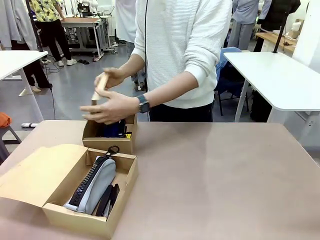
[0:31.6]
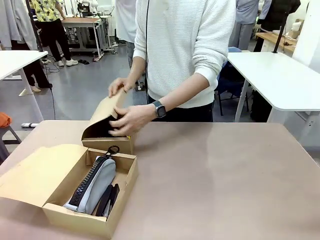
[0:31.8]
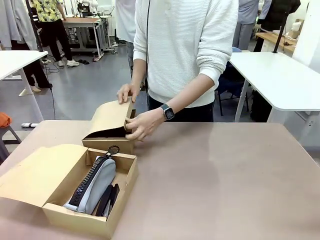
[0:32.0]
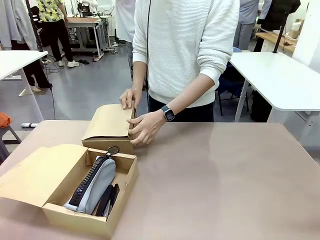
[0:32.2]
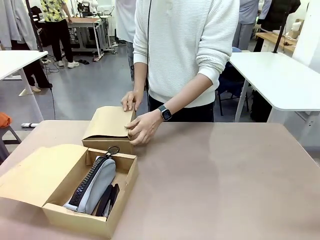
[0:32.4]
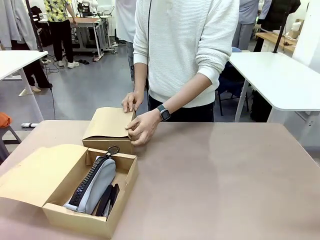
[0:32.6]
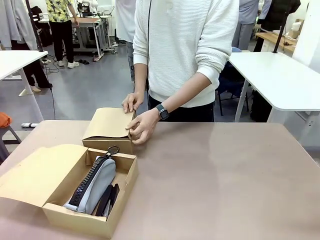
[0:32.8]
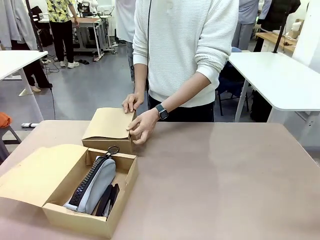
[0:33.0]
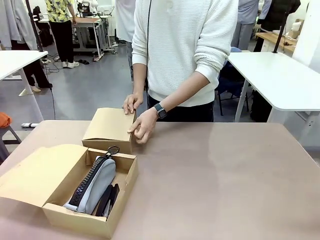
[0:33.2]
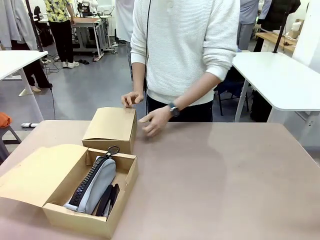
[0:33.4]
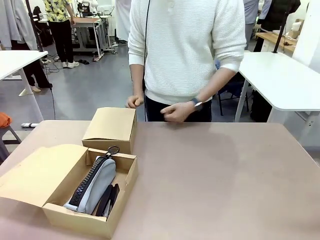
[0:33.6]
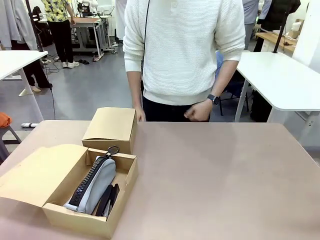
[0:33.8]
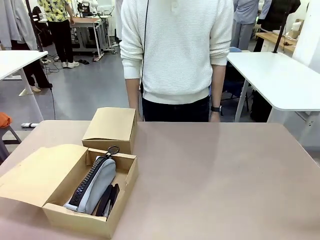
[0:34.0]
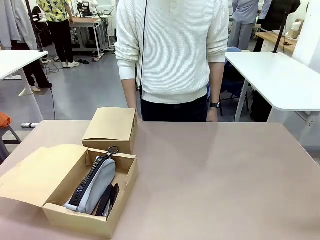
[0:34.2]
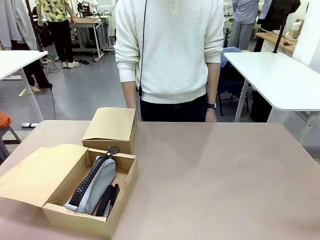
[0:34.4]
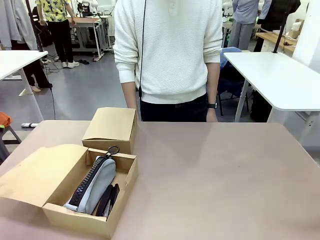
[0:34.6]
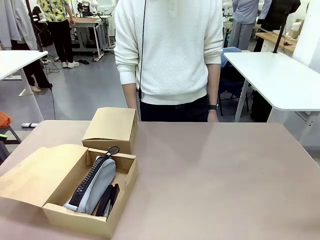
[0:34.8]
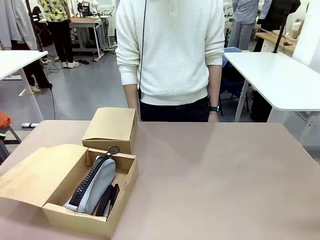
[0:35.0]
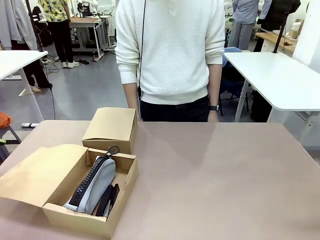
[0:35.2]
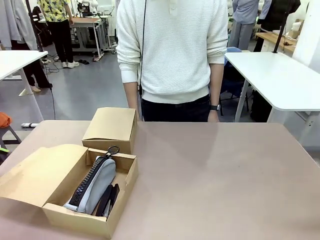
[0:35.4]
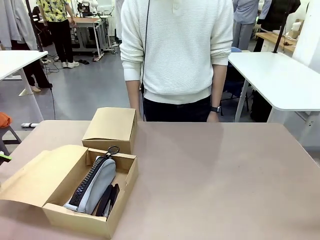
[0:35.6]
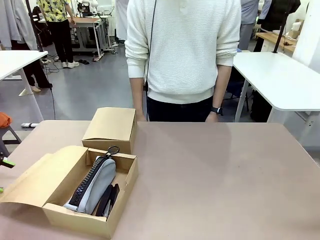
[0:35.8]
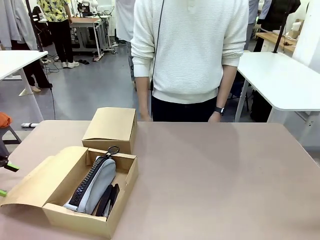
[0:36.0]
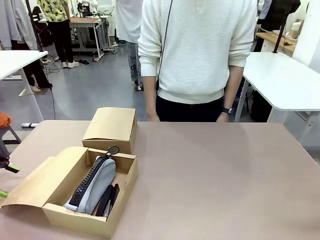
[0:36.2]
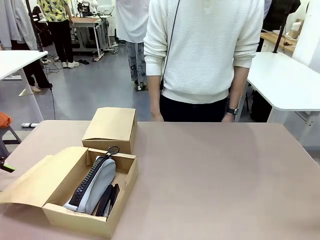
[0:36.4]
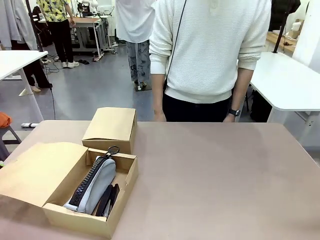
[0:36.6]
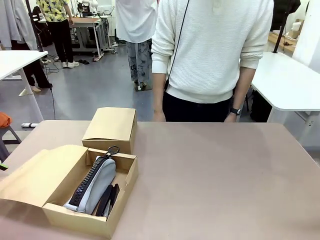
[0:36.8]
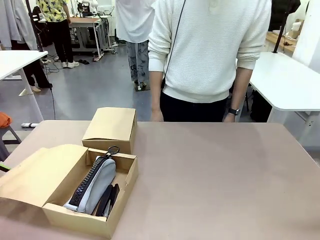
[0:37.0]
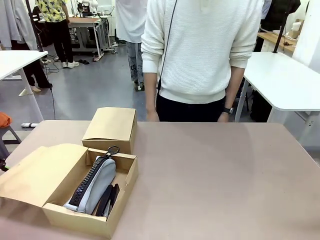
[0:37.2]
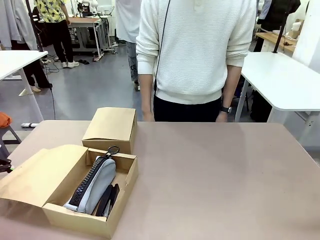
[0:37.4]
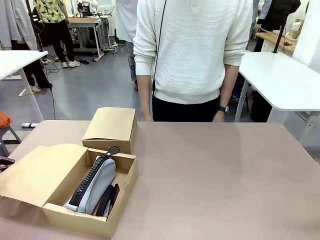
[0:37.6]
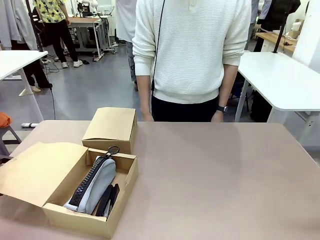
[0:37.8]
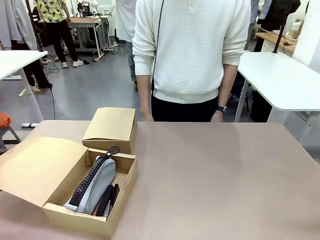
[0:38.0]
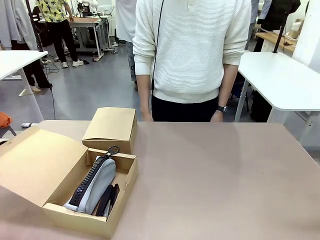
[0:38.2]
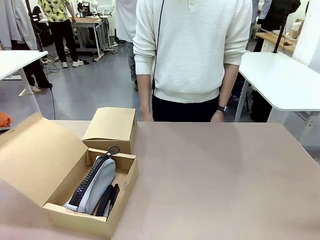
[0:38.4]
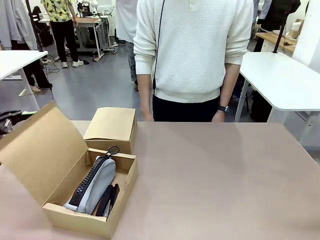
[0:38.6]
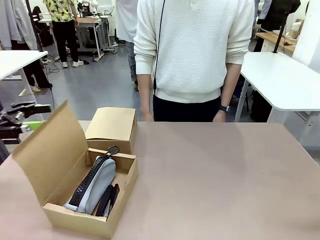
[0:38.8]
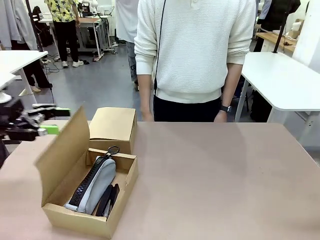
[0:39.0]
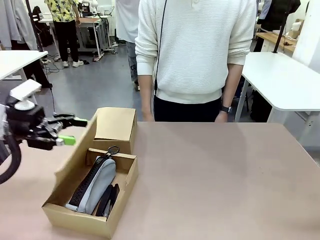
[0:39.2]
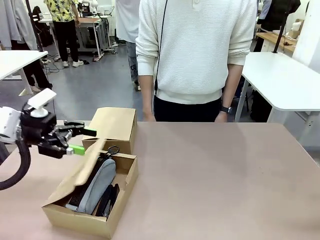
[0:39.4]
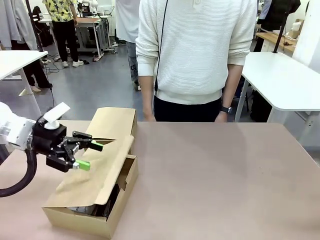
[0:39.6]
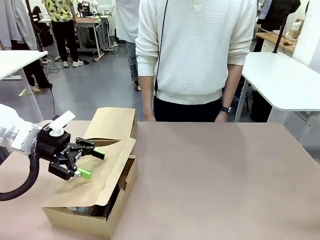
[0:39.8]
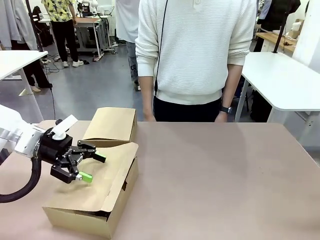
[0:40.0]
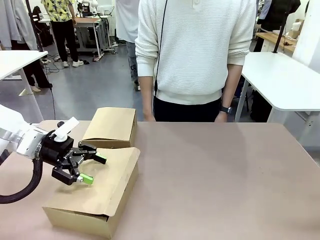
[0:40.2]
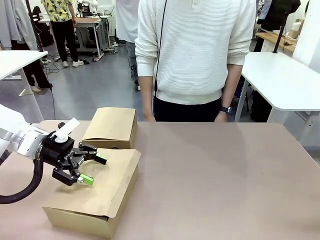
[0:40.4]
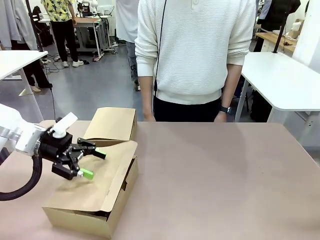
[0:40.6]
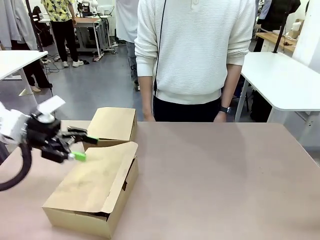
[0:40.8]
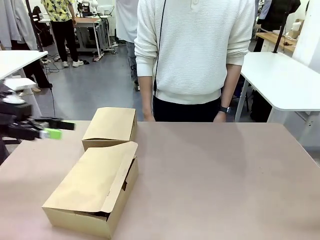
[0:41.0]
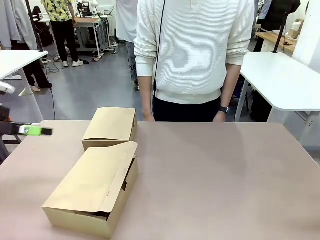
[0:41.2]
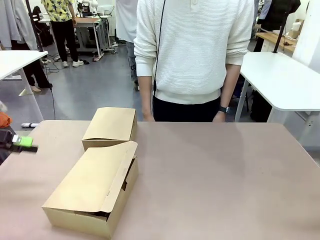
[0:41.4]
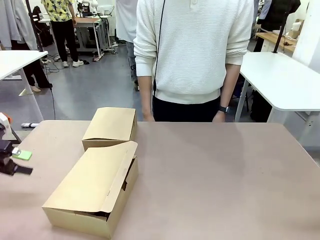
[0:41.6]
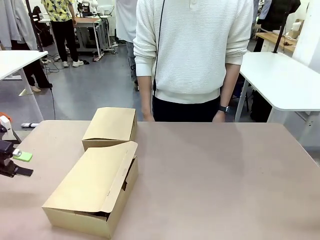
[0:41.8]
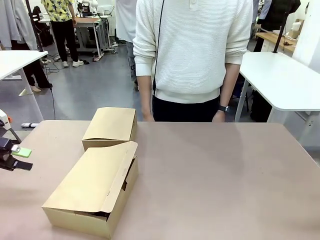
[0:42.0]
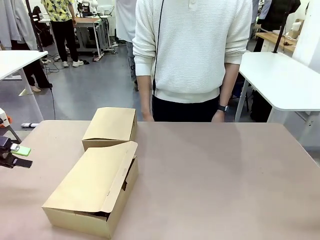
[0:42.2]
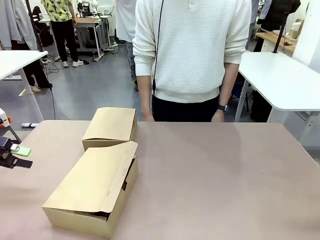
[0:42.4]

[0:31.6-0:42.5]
Task: Place items inside the box.
Robot: Close the lid of the Mailer Box closest to the robot.
Person: Close the lid of the box facing the person.

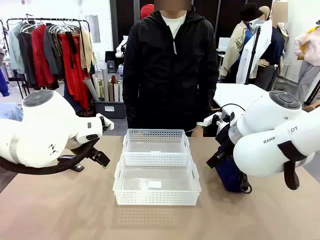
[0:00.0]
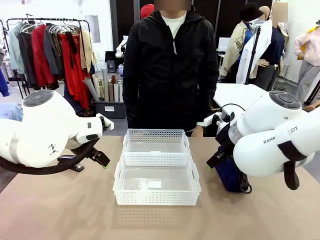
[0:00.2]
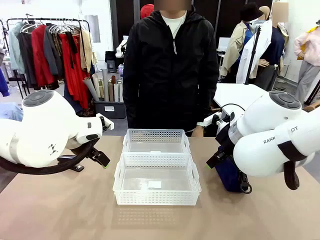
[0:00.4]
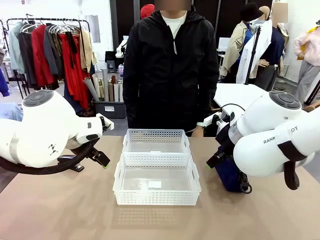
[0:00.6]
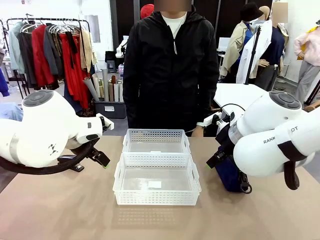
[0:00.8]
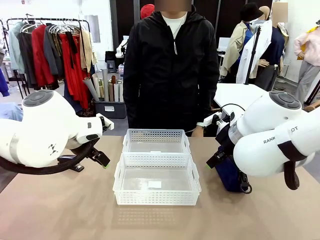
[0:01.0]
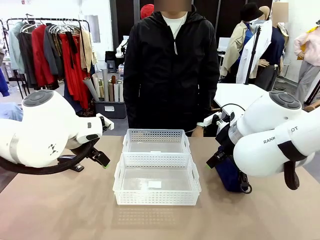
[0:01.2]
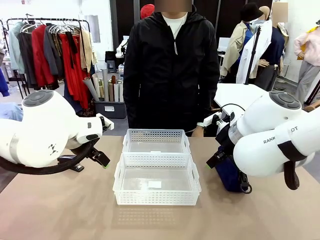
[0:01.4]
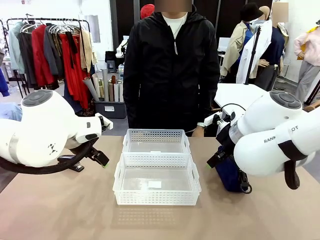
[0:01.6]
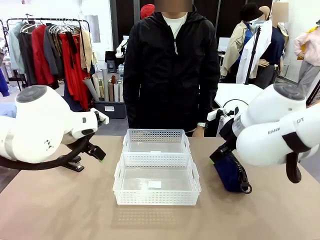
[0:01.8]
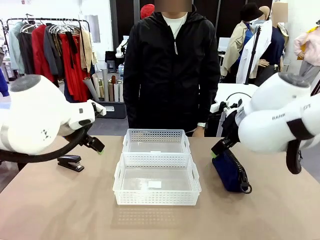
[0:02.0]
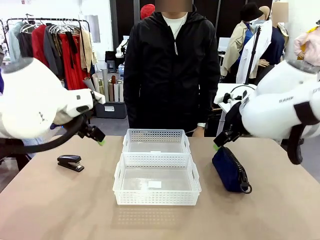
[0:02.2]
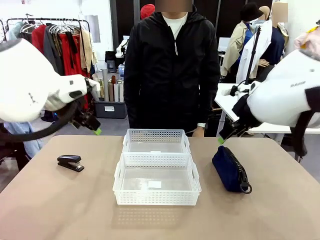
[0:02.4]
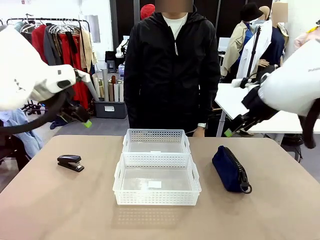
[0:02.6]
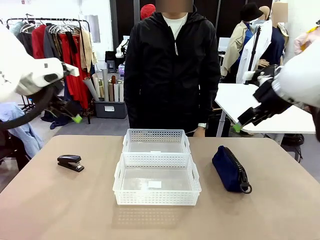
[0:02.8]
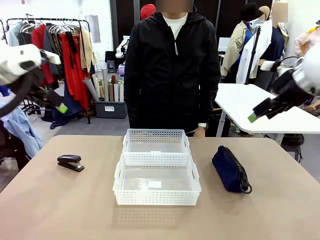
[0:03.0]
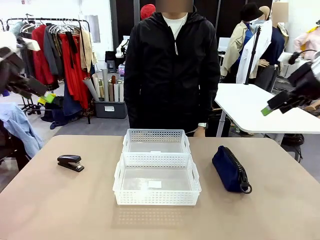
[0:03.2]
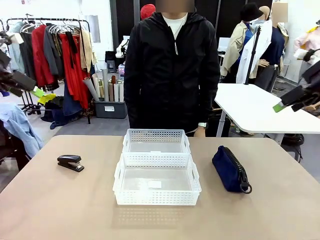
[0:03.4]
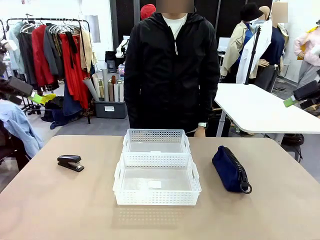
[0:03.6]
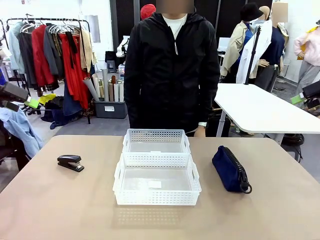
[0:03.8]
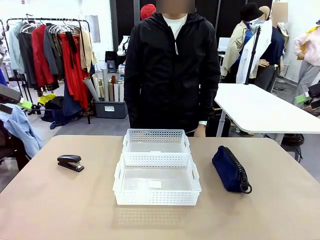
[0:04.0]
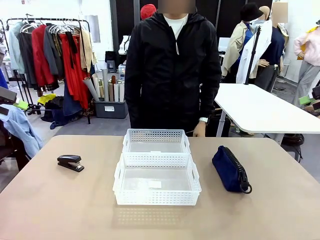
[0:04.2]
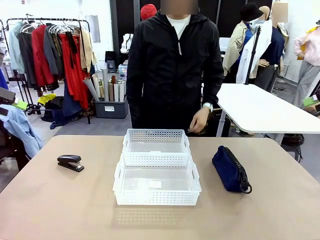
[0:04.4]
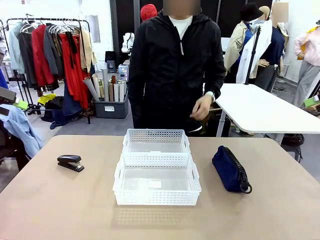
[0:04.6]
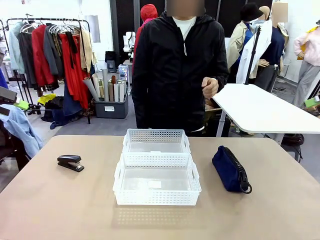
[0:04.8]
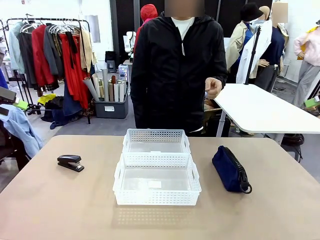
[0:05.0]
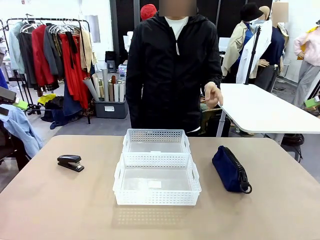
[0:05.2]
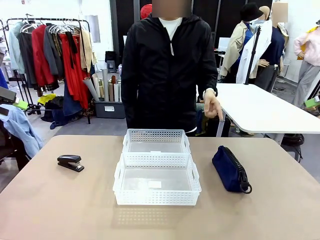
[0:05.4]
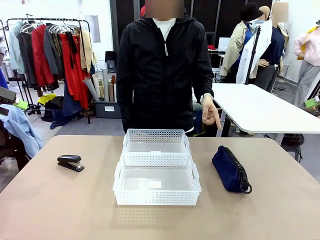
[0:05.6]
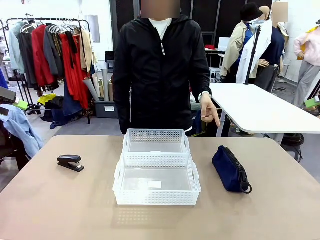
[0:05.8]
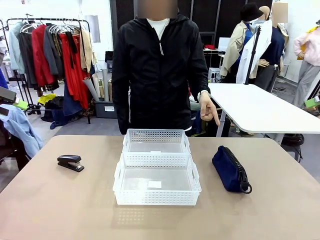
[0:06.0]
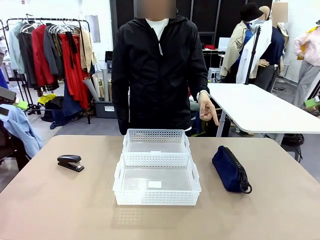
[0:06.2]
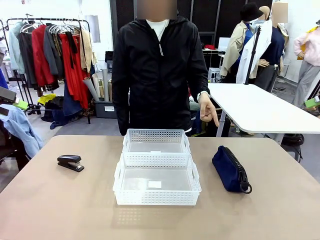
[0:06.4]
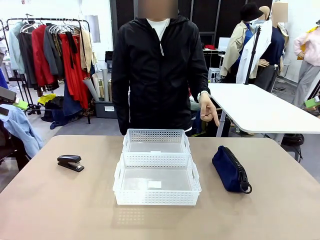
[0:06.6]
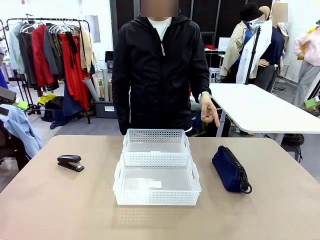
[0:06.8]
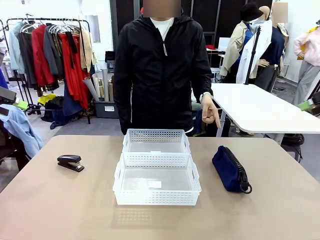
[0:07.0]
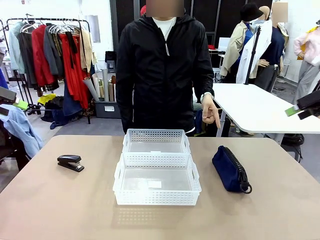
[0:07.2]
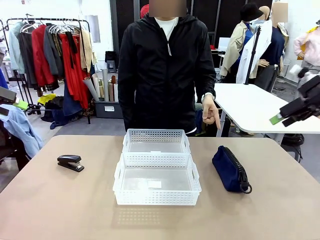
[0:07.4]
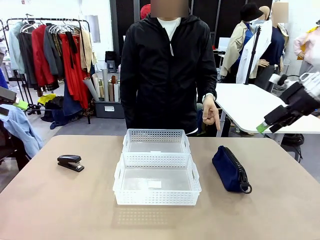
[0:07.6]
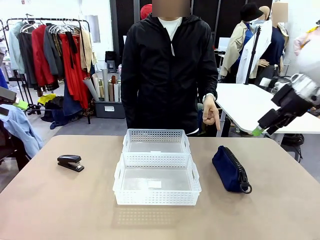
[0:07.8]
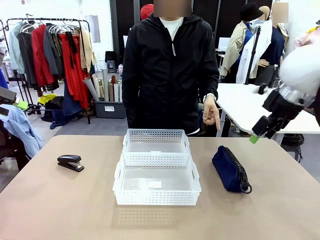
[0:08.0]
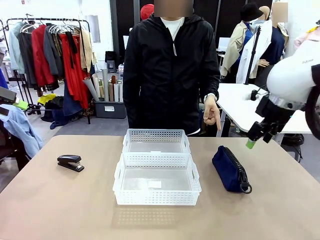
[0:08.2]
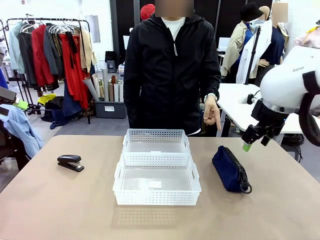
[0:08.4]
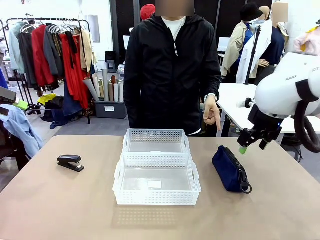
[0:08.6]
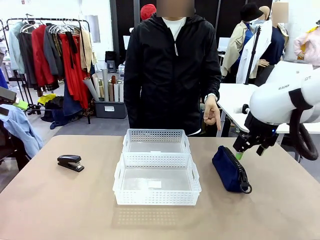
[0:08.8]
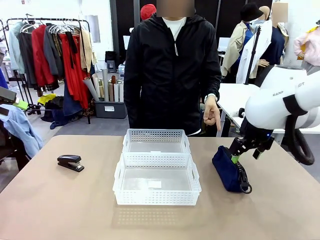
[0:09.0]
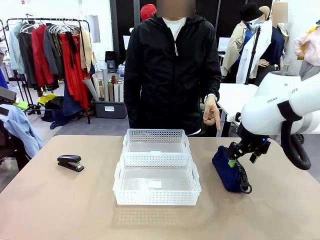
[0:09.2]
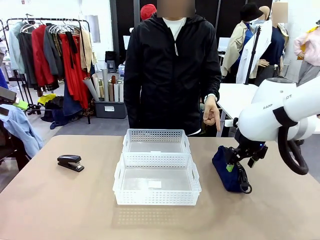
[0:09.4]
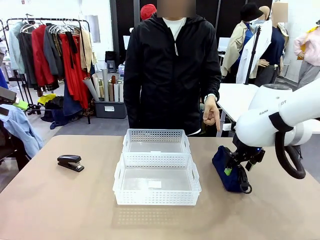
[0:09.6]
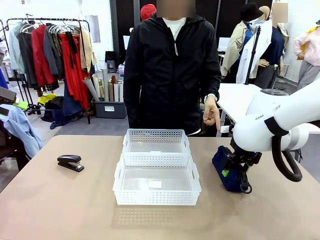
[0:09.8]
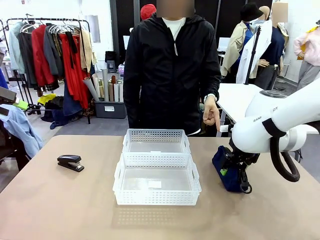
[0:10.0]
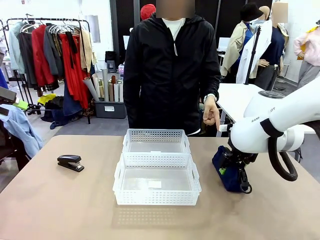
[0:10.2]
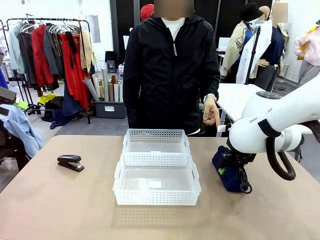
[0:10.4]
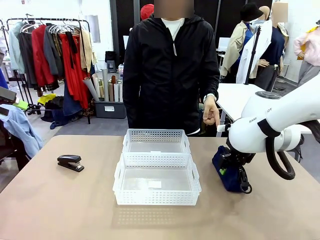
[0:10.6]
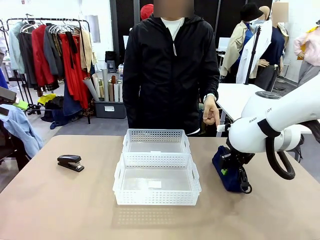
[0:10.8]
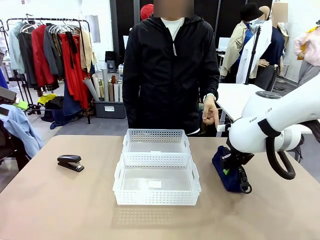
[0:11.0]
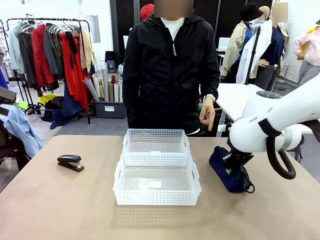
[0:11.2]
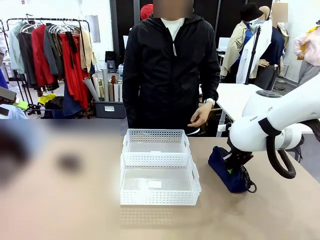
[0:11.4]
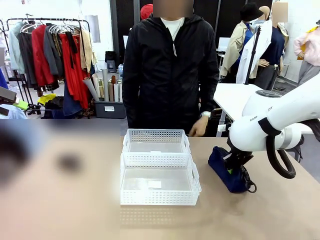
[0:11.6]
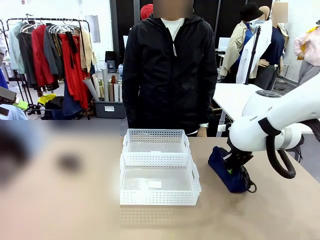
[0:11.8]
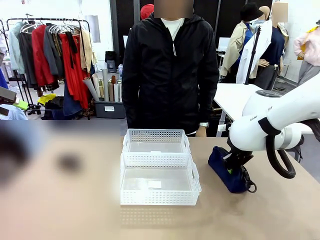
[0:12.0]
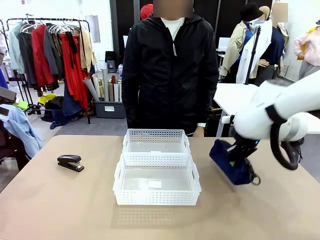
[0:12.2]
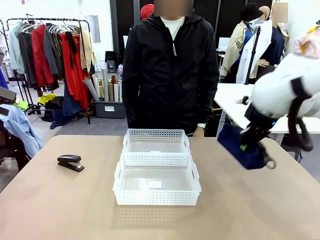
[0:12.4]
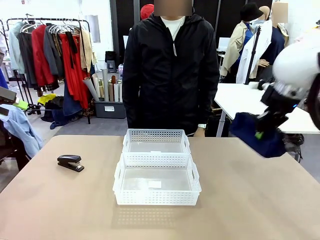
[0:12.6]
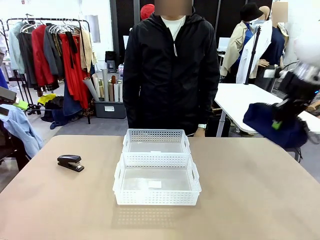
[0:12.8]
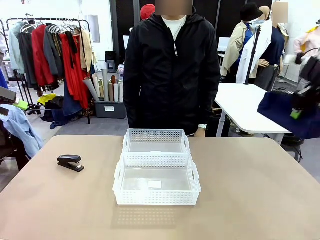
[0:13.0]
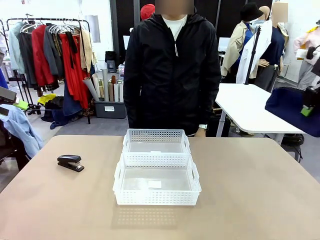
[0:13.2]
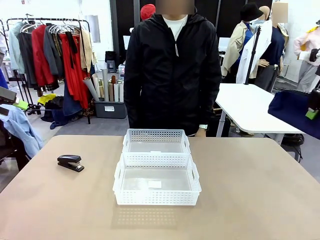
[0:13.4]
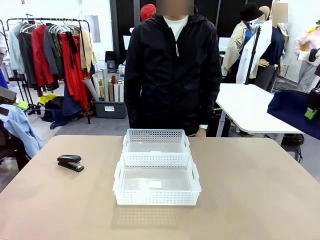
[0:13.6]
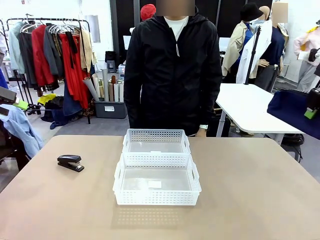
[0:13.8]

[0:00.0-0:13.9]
Task: Distribute items into two baskets.
Robot: Pick up the Pencil pouch that the person points to.
Person: Points to the pencil case. Points between the two organizing baskets and instructs the robot to move the pencil case.
